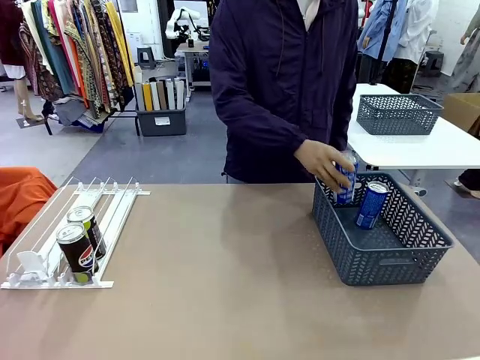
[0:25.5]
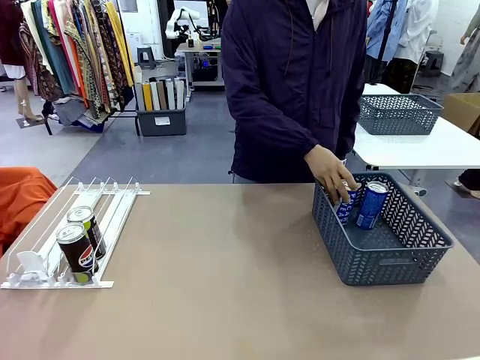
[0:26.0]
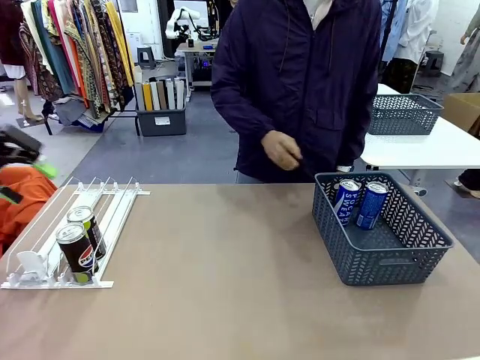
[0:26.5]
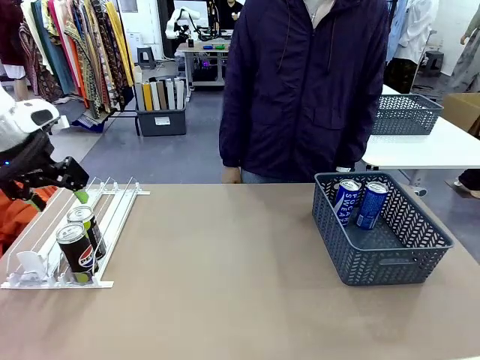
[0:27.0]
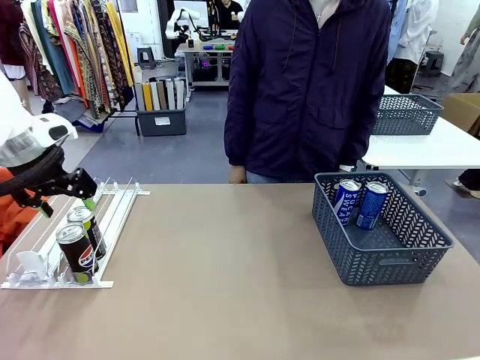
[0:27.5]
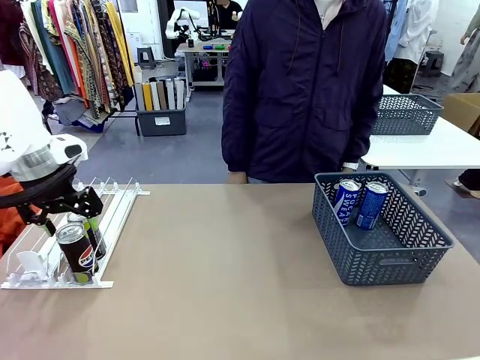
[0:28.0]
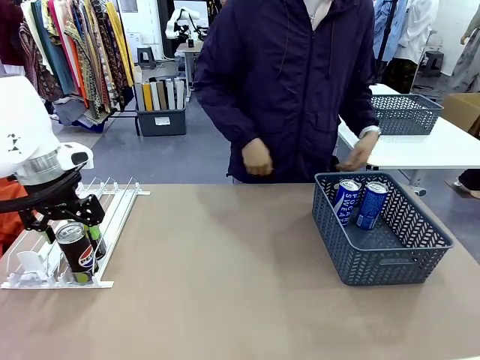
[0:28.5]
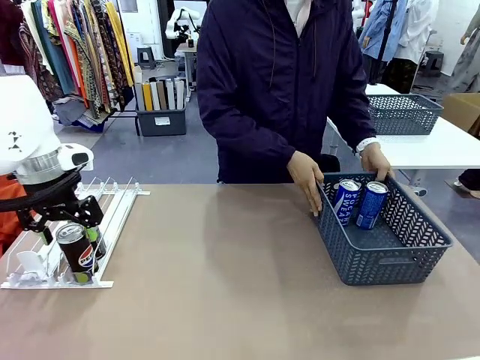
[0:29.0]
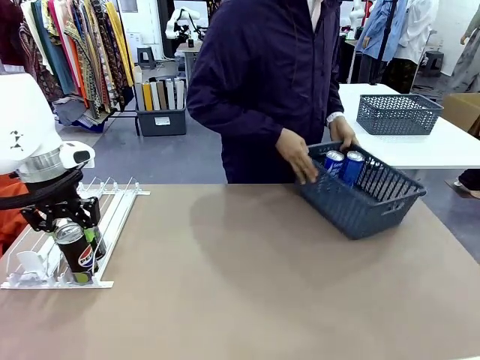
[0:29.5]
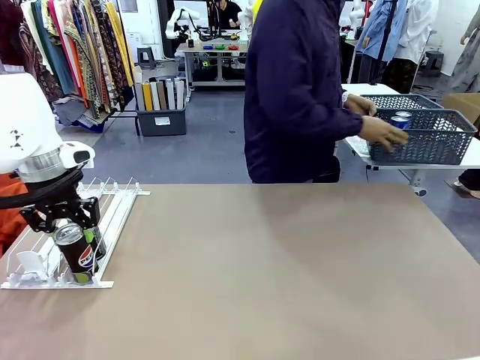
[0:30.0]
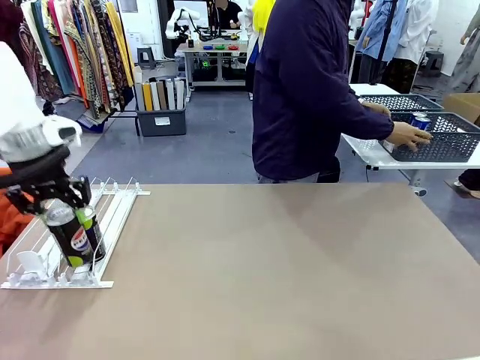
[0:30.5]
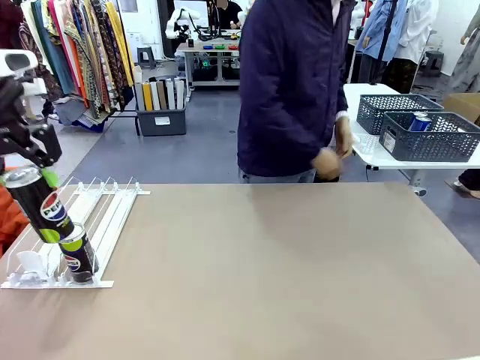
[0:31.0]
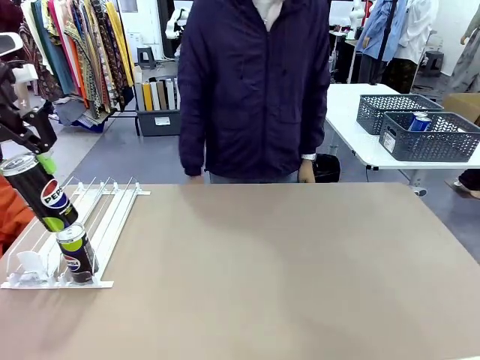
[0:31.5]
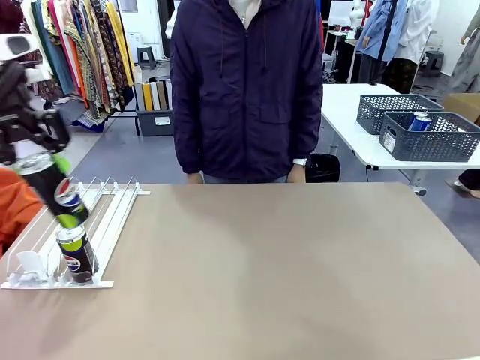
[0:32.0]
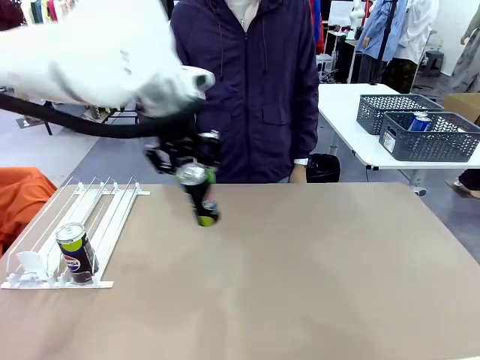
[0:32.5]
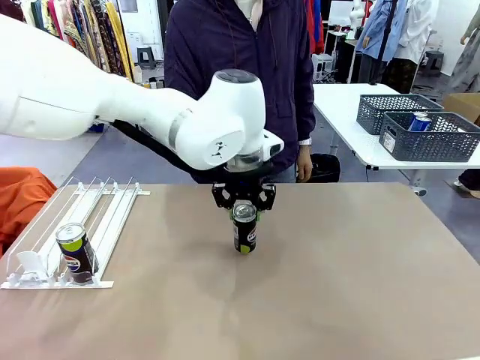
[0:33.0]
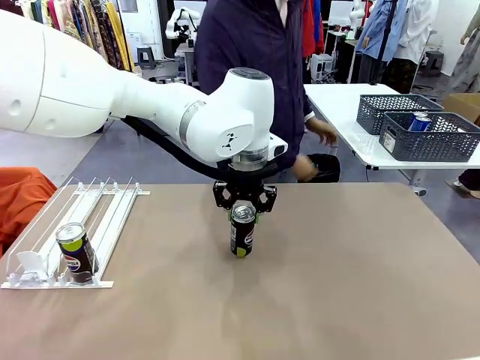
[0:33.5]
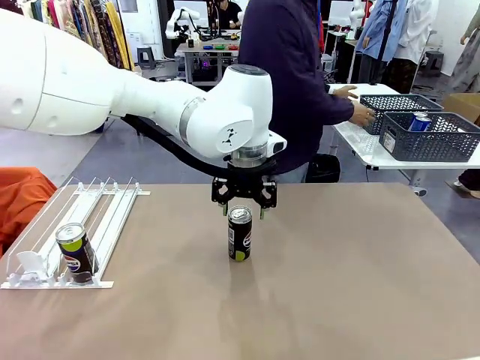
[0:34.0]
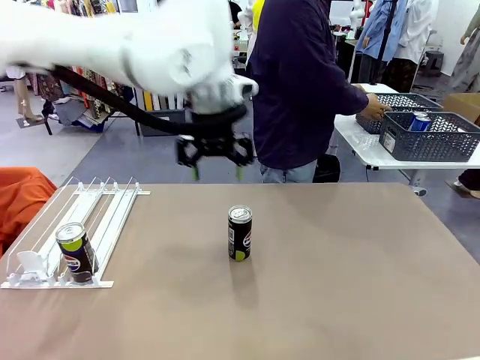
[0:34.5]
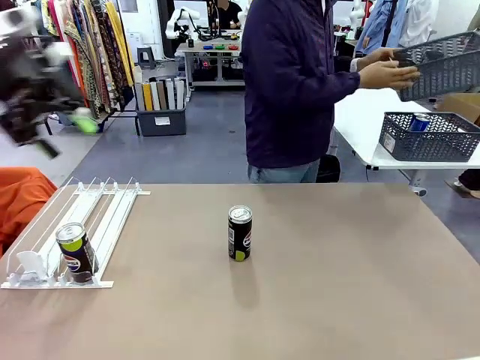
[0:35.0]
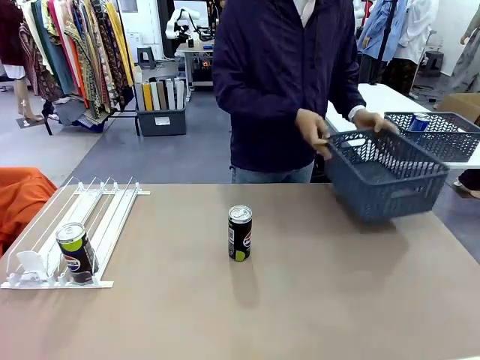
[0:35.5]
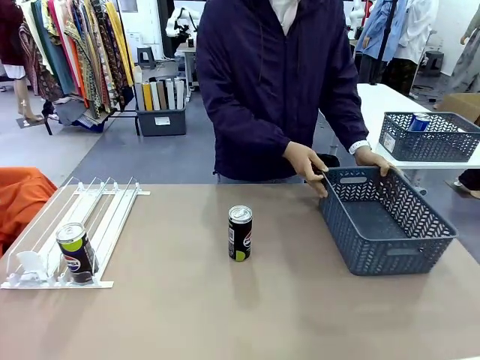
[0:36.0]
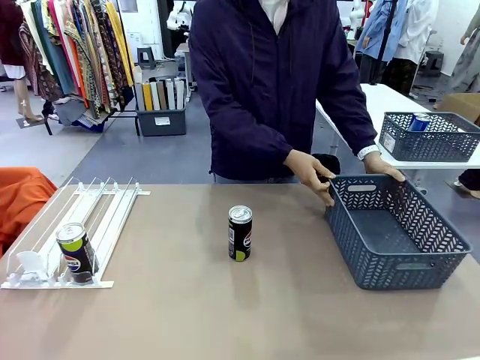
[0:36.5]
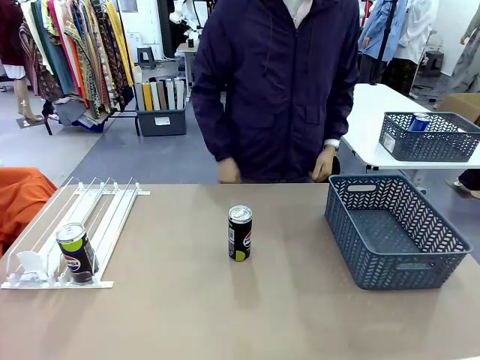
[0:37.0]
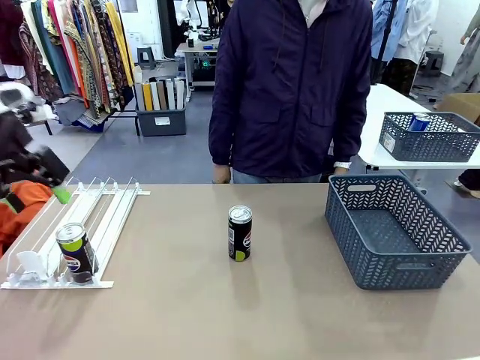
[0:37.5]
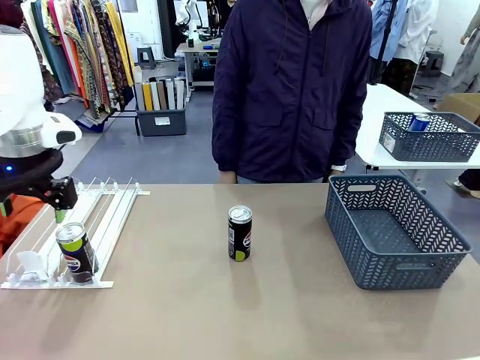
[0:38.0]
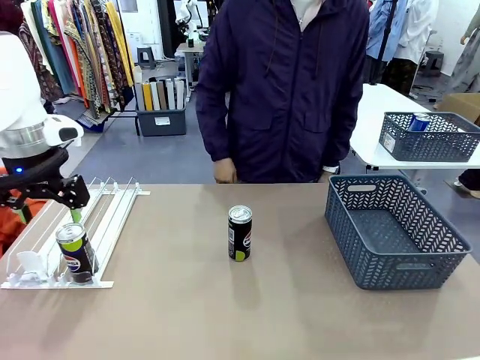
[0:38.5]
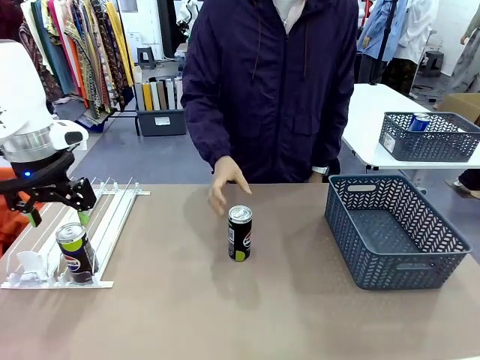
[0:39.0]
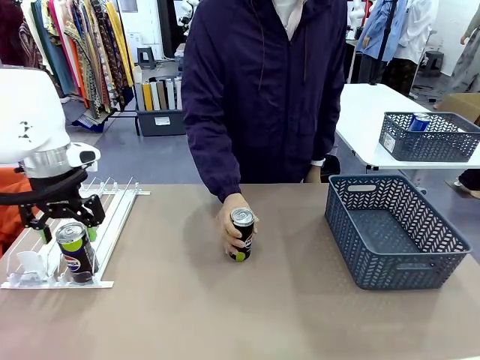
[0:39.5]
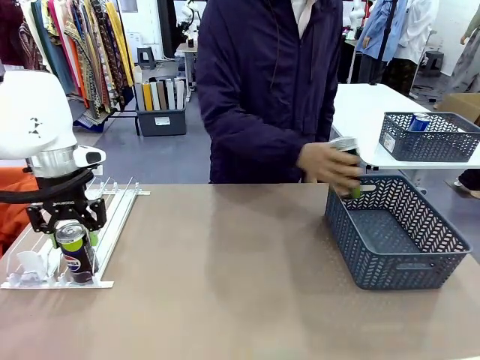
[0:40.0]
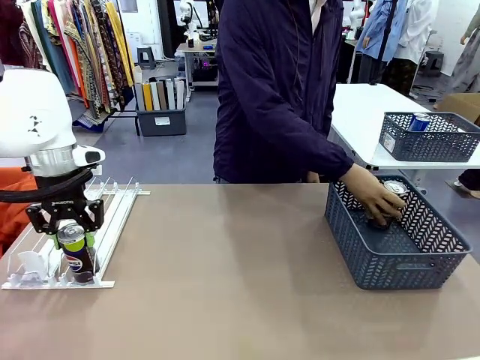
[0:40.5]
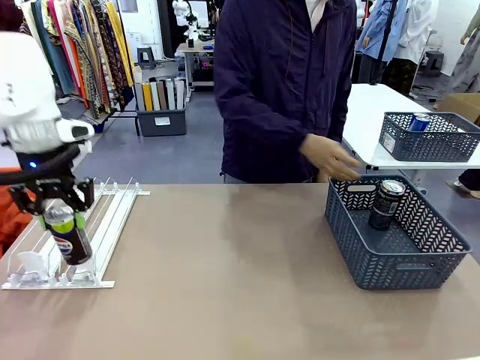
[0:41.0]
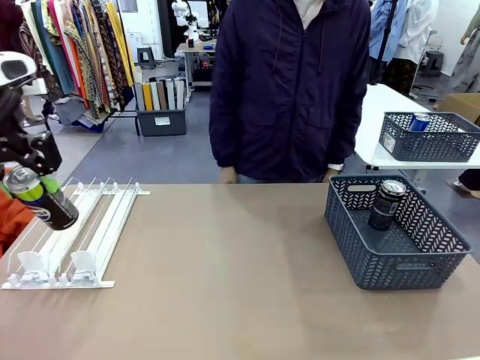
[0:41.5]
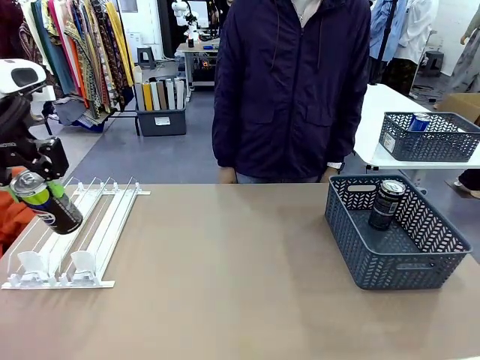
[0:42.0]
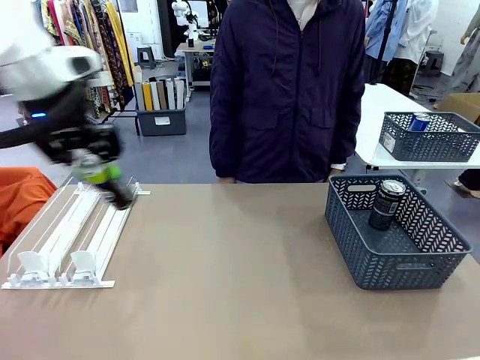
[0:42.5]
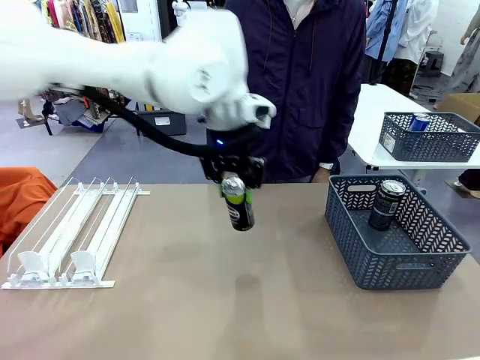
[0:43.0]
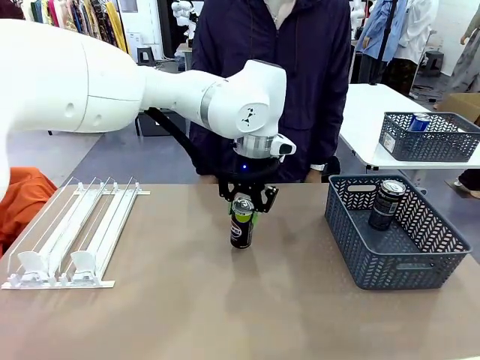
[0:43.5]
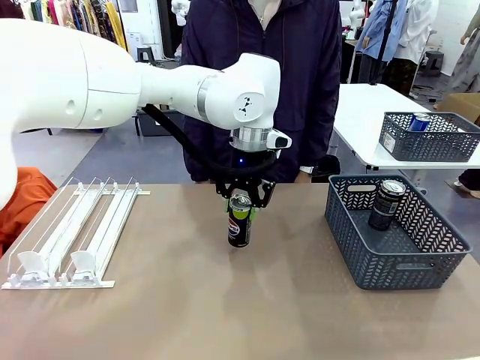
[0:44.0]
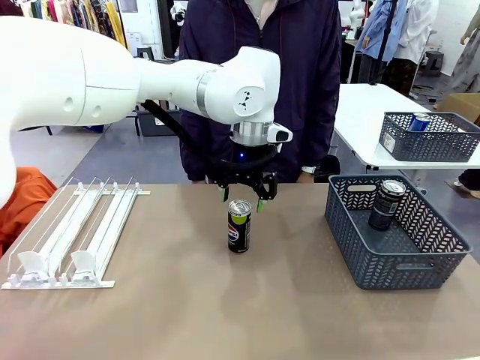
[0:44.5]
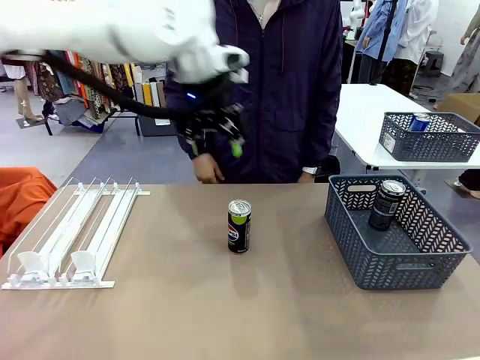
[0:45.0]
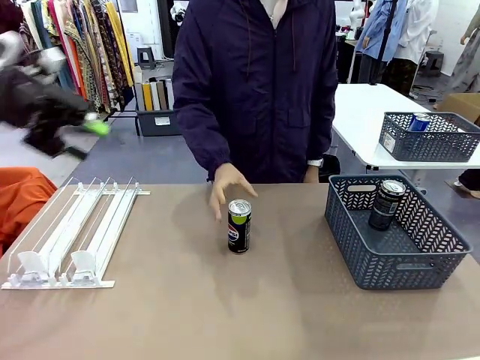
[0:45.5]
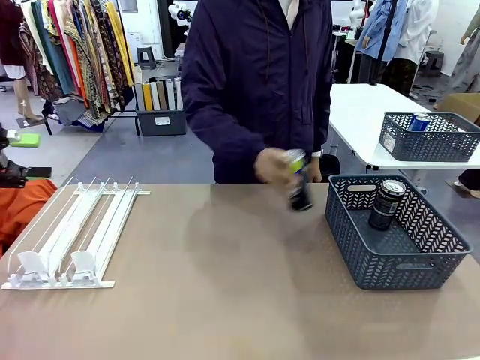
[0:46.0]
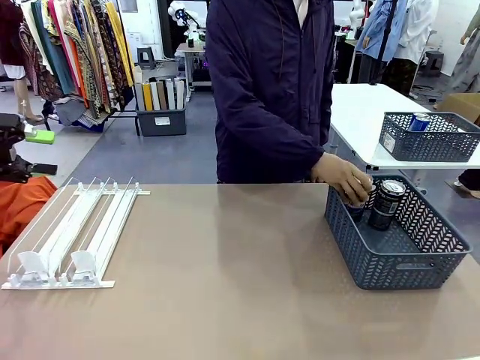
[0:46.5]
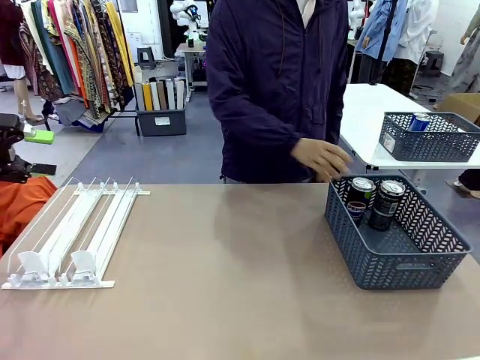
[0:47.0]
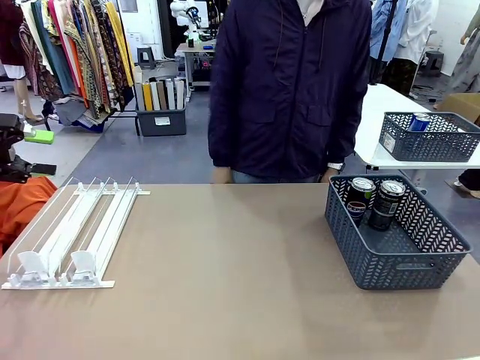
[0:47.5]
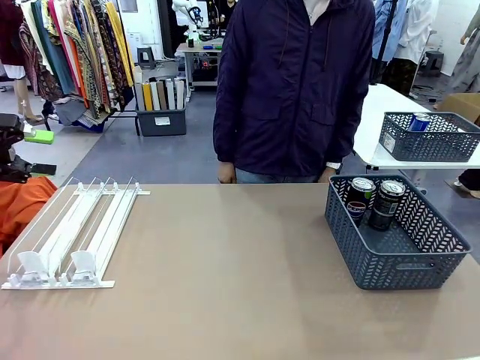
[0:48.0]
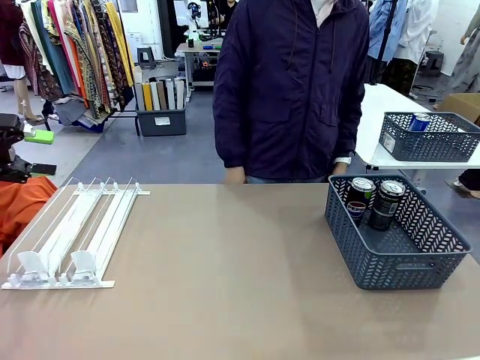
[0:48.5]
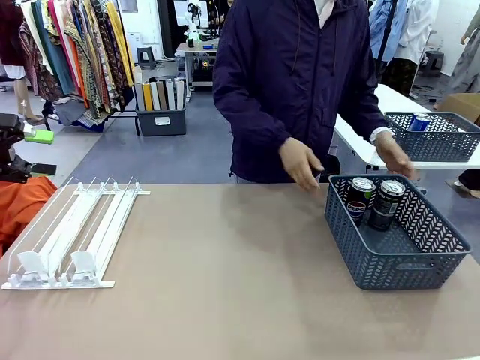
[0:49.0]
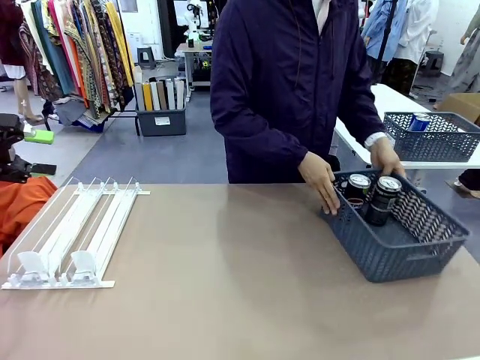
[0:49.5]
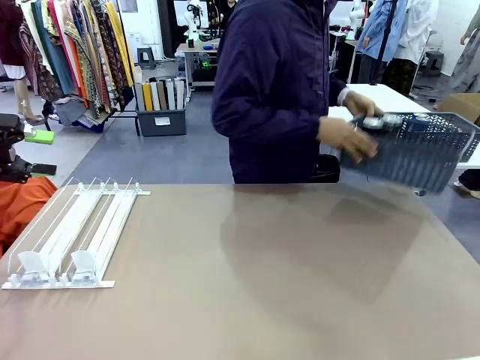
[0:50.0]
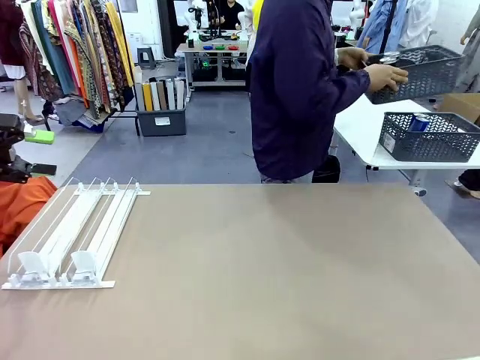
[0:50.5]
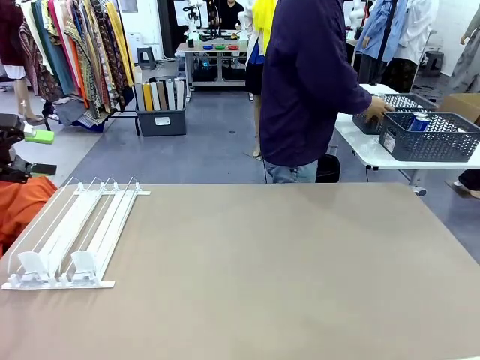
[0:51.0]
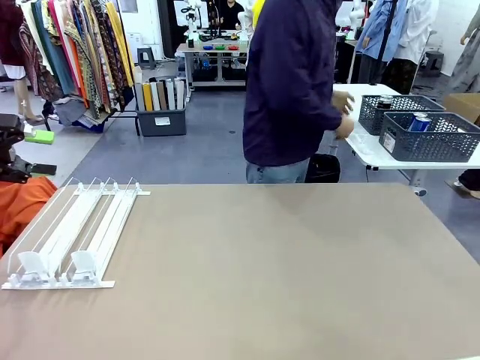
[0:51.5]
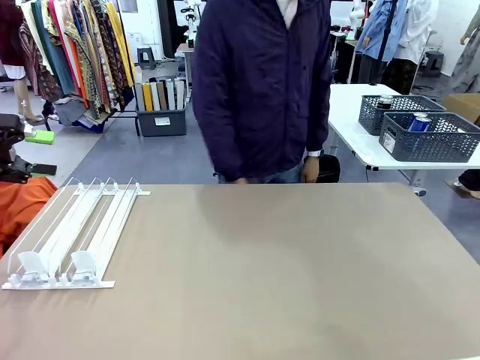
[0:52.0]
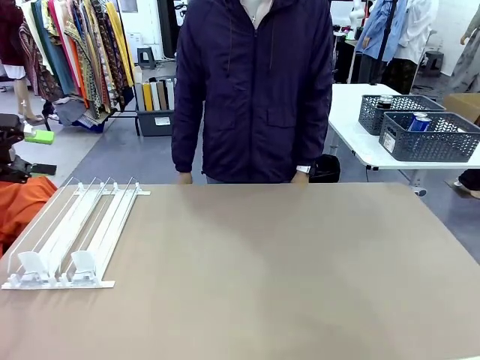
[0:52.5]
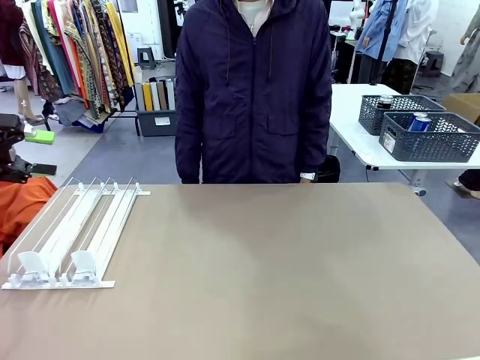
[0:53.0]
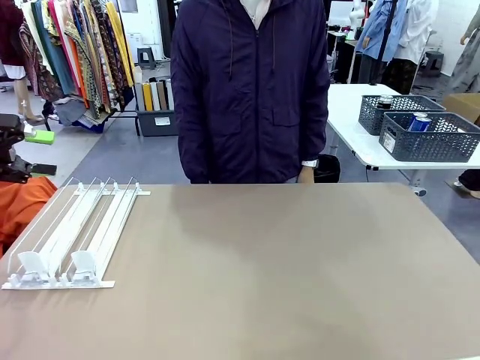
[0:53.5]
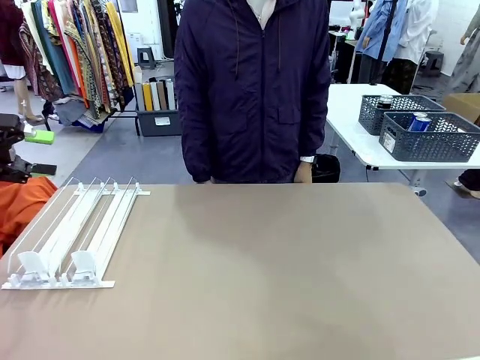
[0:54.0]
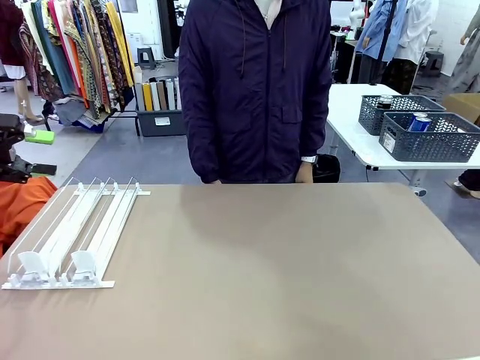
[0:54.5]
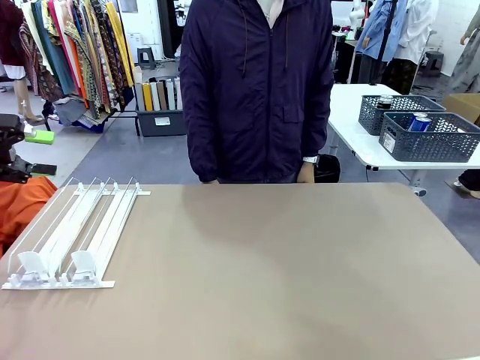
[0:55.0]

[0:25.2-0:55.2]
Task: Retrieve and store the cans from the dispenser.
Robot: Pick up one can from the Automatic Can Dispenser and place it in the middle of the table.
Person: Pick up the basket and place it in the middle of the human table. Pick up the empty basket and place it on the left side of the robot table. Pick up one sports drink can from the middle of the robot table and place it in the basket. Pick up the basket and place it in the middle of the human table.
